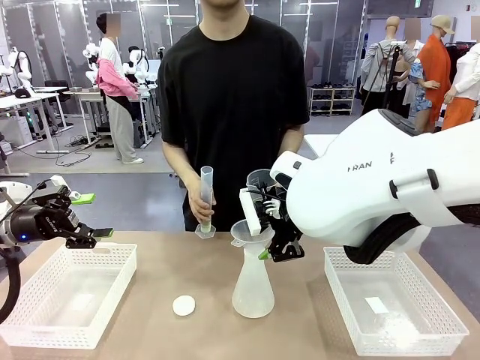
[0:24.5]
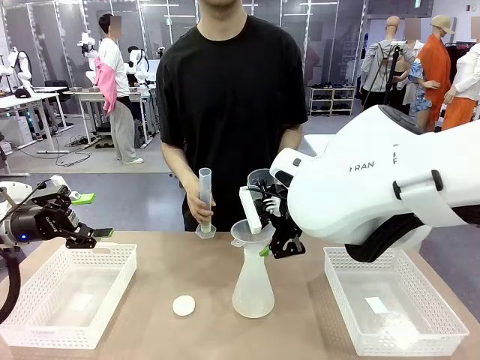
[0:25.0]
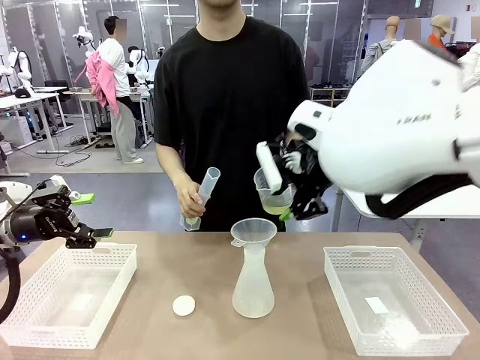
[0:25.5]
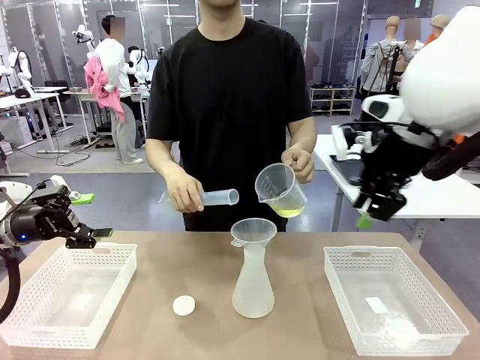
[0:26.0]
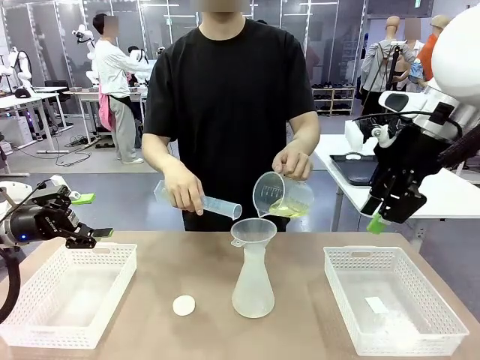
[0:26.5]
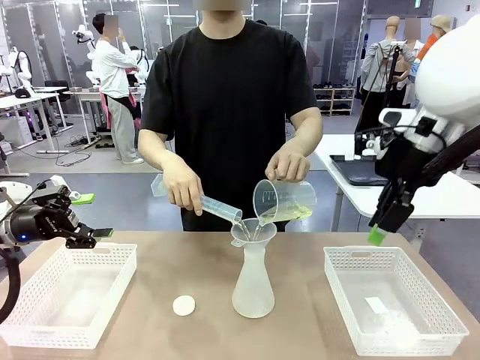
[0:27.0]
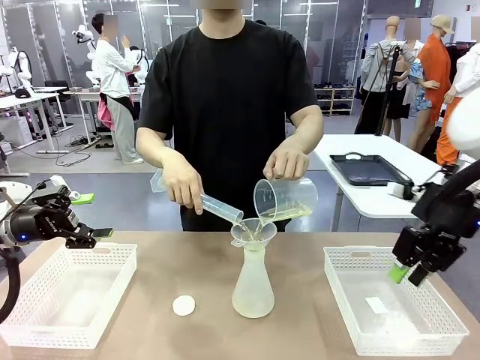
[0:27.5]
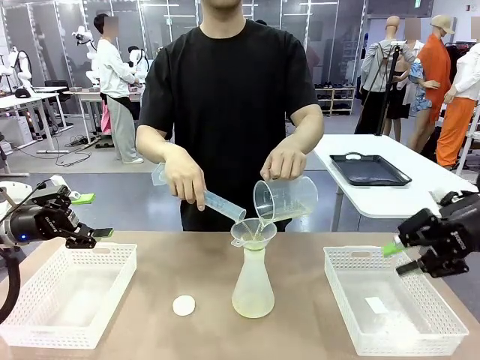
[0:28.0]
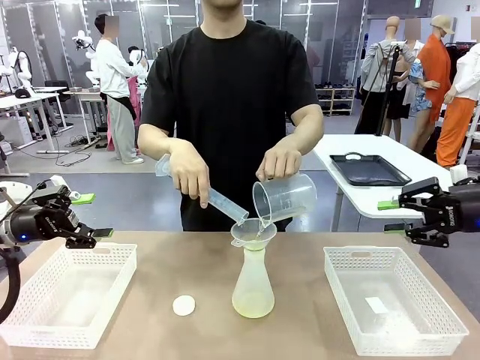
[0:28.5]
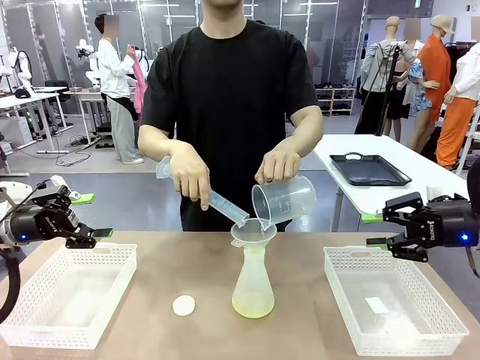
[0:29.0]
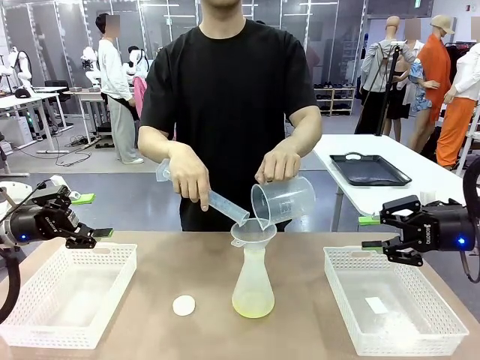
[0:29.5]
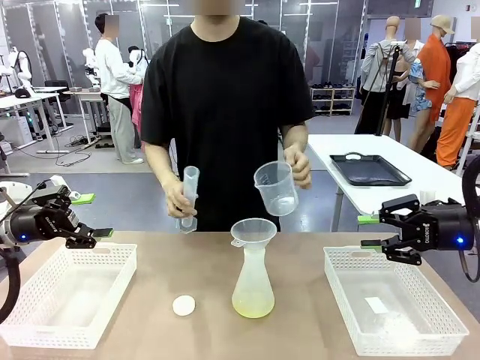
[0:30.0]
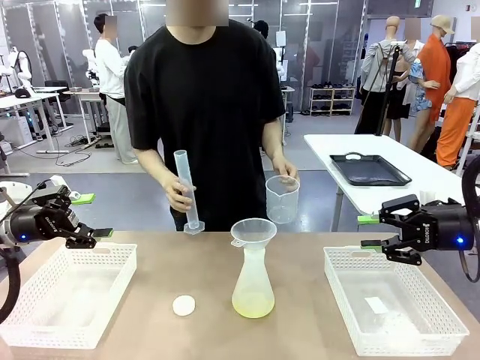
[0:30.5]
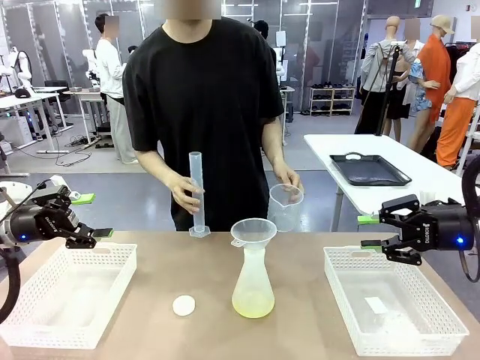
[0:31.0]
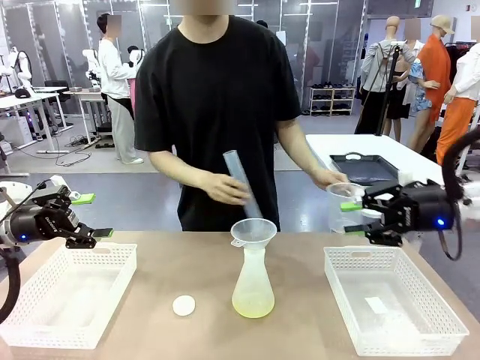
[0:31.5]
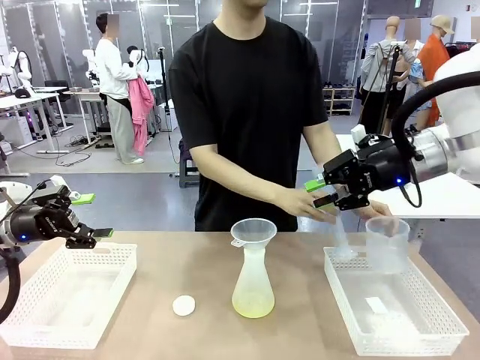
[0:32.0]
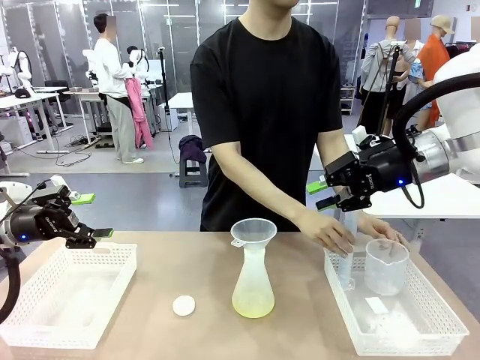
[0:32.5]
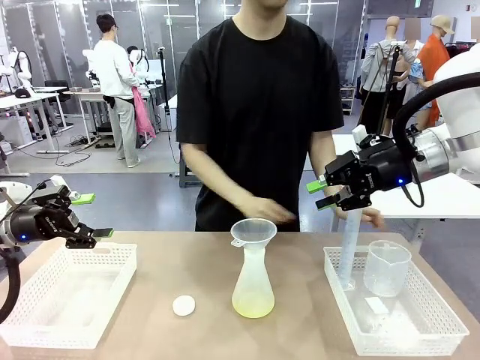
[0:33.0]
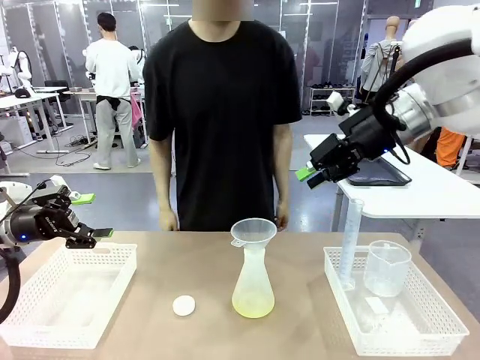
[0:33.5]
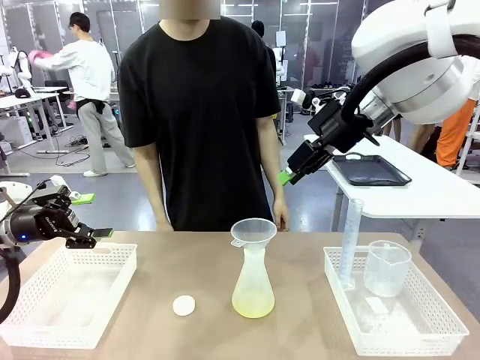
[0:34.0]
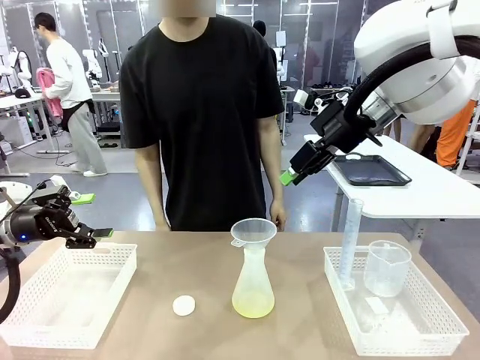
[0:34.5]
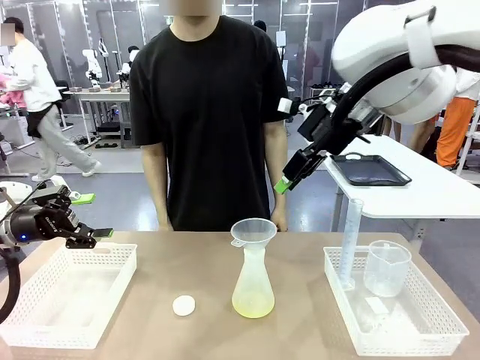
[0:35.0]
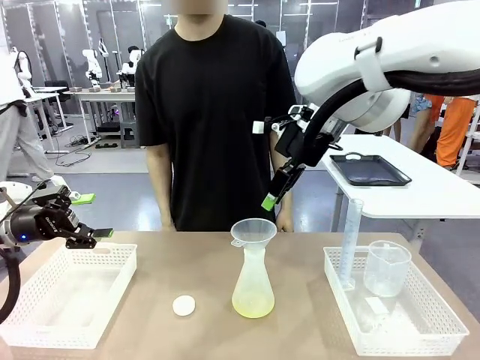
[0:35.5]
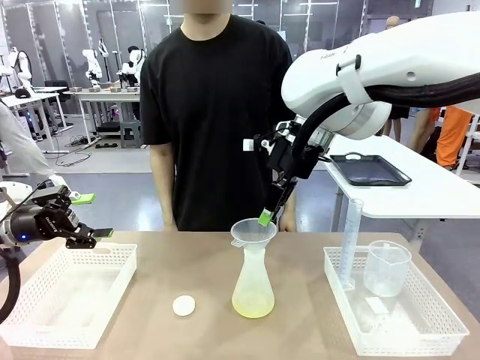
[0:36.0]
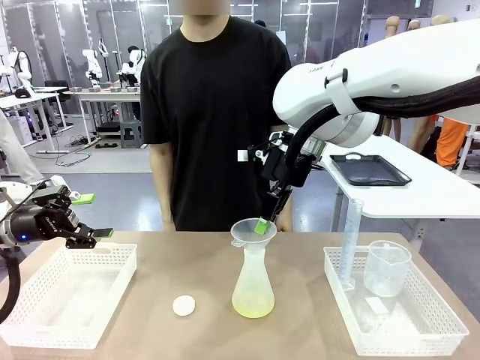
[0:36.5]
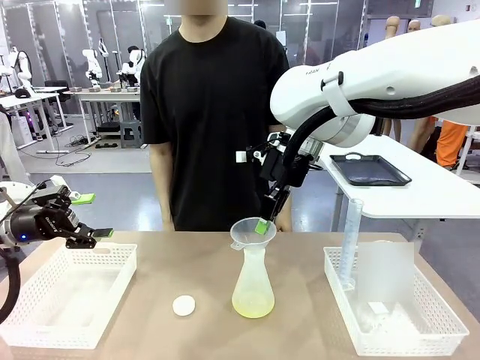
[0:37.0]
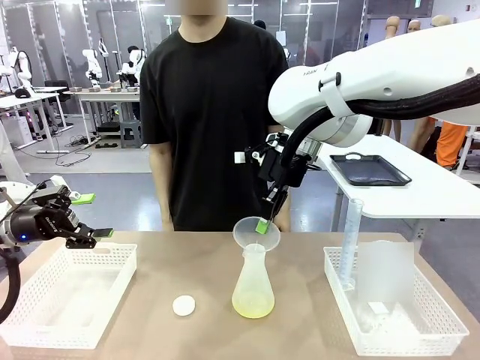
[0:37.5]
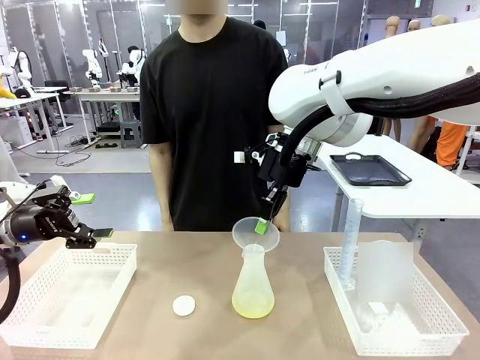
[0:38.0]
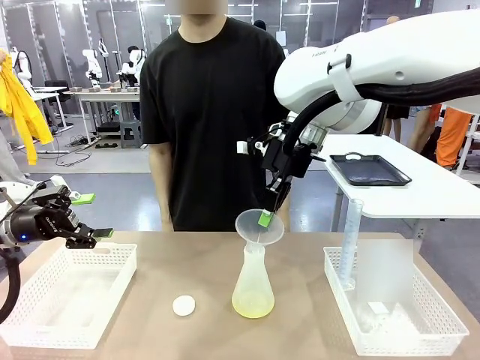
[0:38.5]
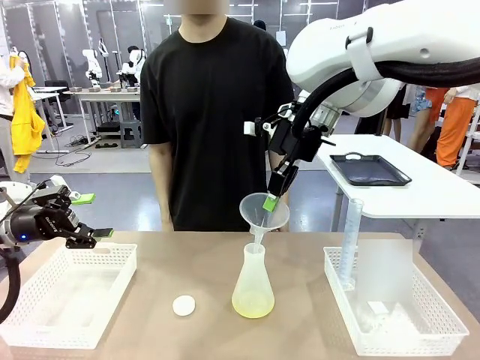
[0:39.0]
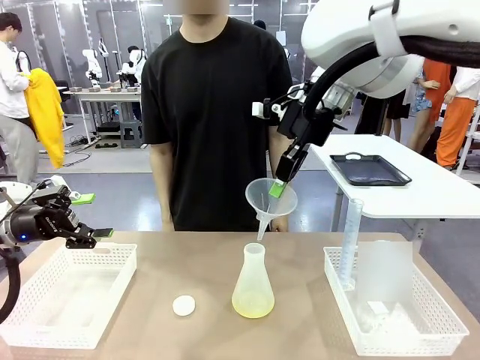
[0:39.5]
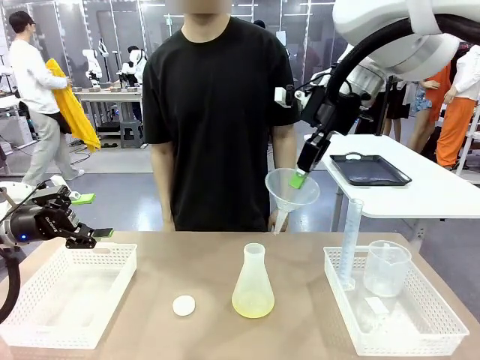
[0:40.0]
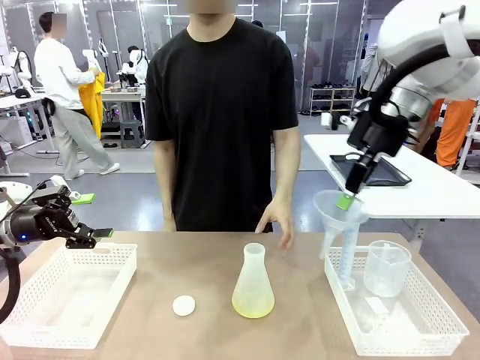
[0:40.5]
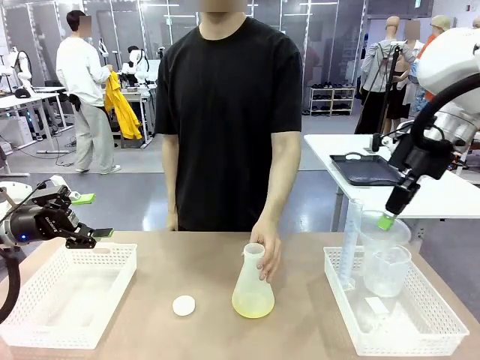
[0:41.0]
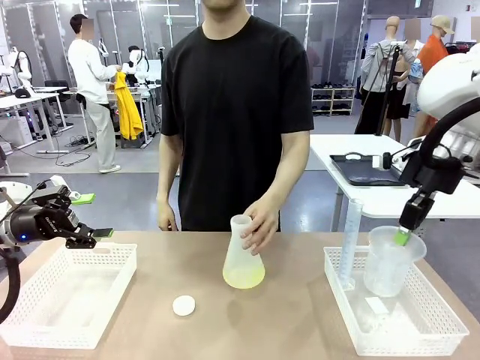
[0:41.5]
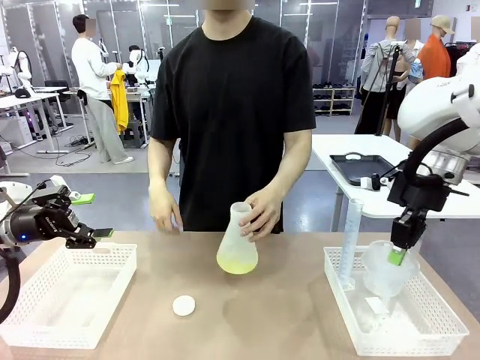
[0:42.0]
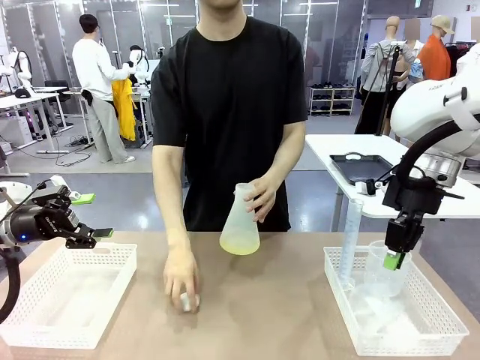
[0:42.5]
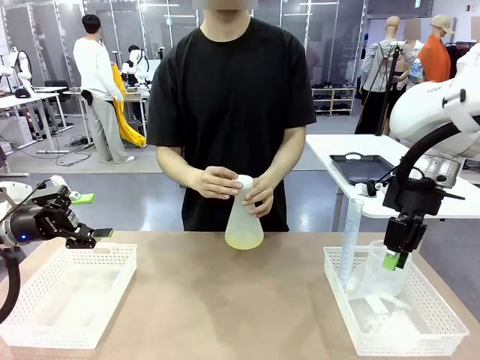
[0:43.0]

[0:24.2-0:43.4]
Task: Prepare the solutions needed for the experiment.
Robot: Once the solution is in the Big flask , pick up the Plastic Funnel and place it back into the right Organizing basket.
Person: Place the beaker and the cylinder into the organizing basket on the left side. Pick up the flask, gently shake it 2–3 times, place it in the middle of the robot table, and close the lid.
